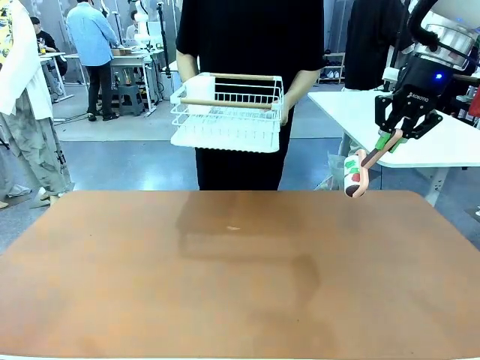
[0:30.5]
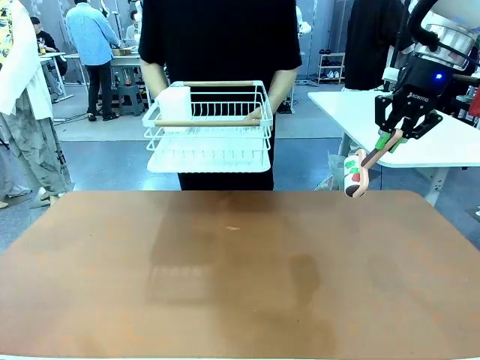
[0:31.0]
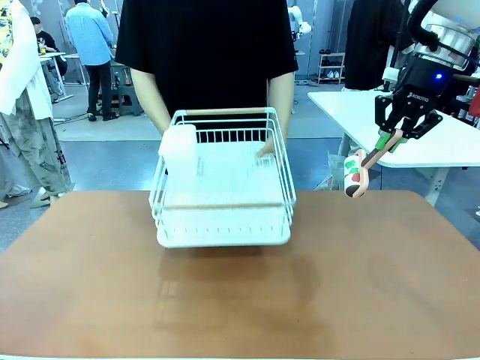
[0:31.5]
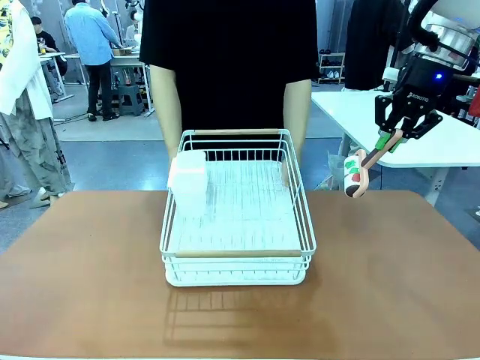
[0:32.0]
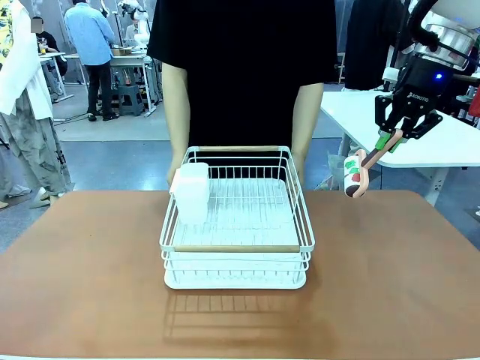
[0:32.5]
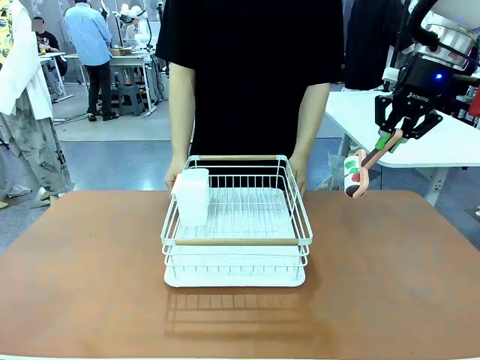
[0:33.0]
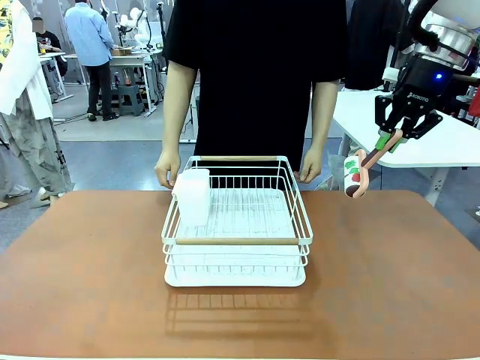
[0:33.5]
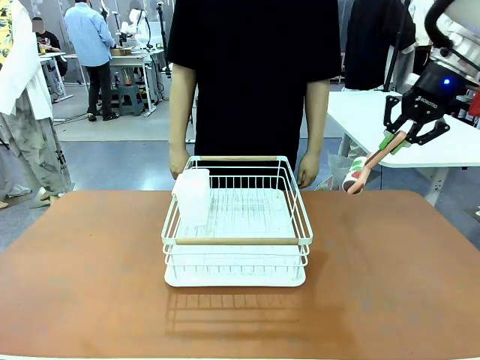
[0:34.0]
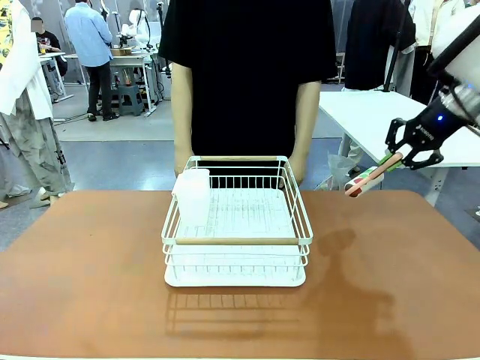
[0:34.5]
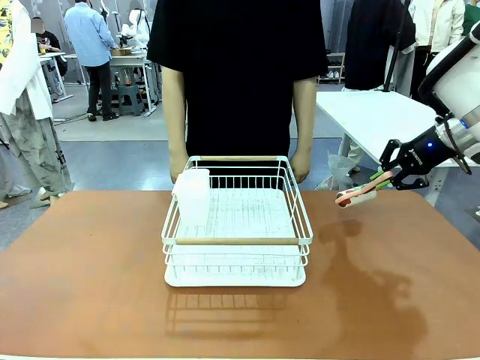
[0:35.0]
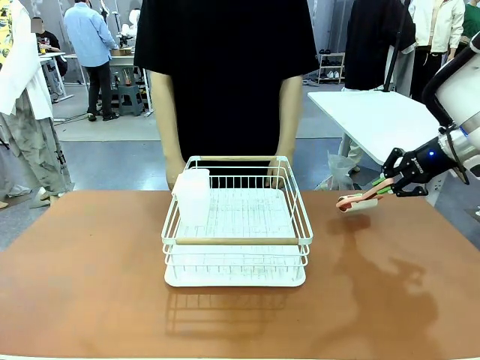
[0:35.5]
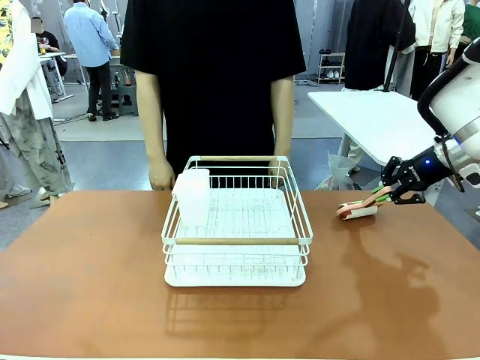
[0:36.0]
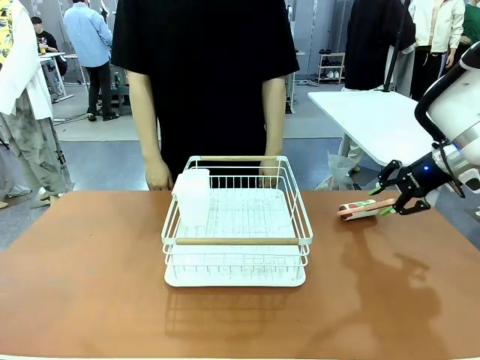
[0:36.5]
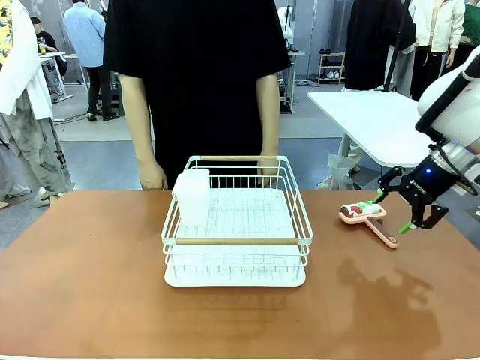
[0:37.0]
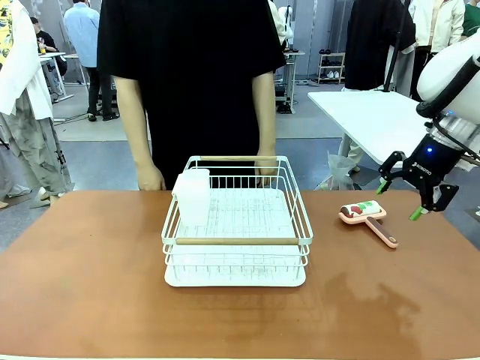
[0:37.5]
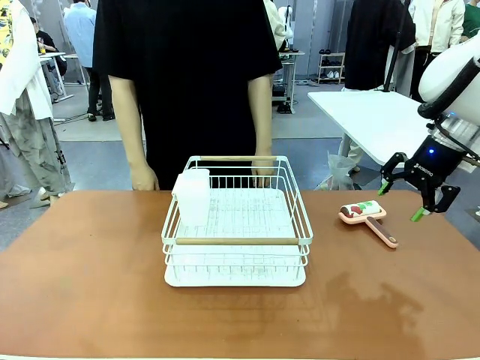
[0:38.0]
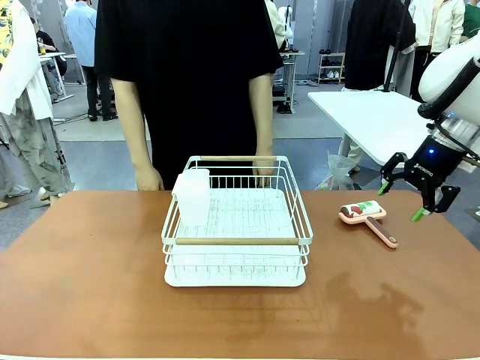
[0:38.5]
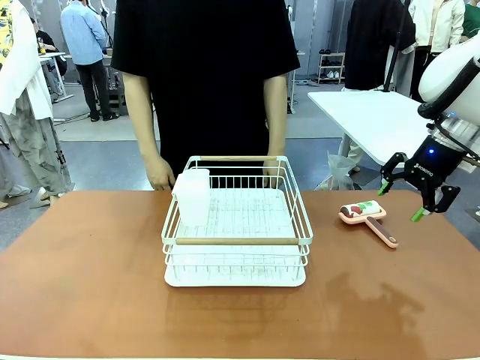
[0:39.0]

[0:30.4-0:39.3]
Task: Clean the table.
Robot: Place the Lint Roller down when the Dish drying rack is positioned in the middle of the table.

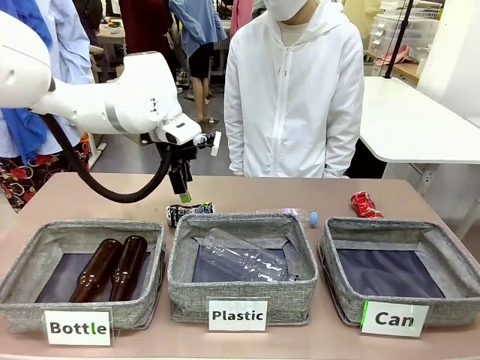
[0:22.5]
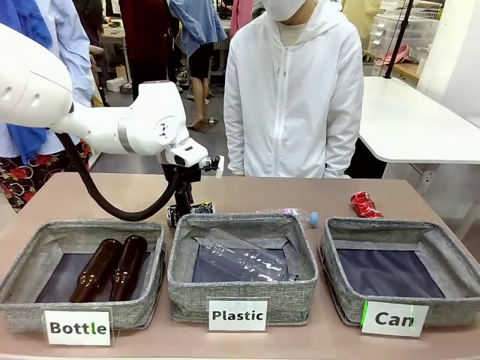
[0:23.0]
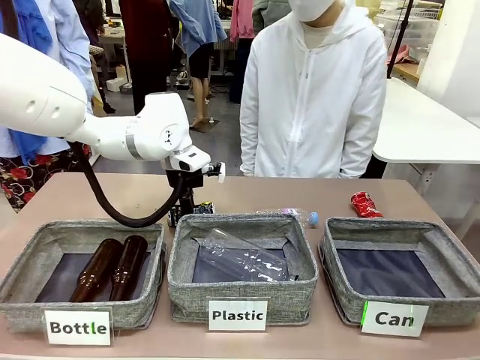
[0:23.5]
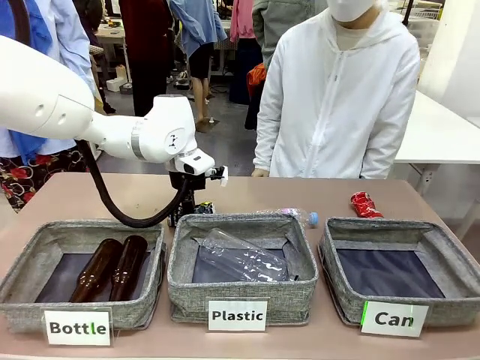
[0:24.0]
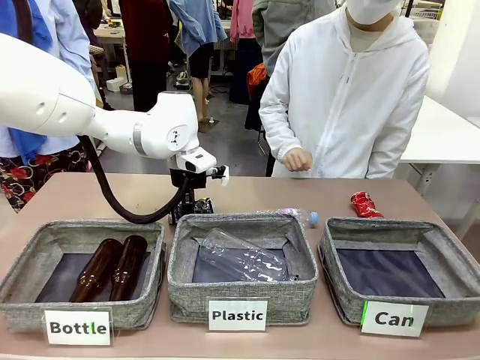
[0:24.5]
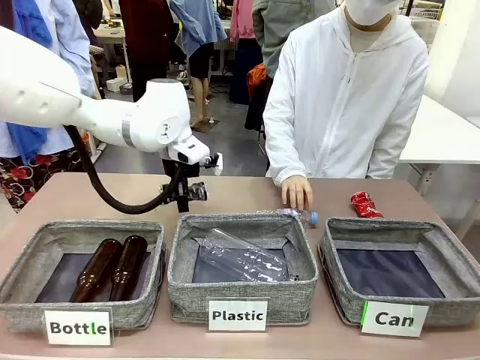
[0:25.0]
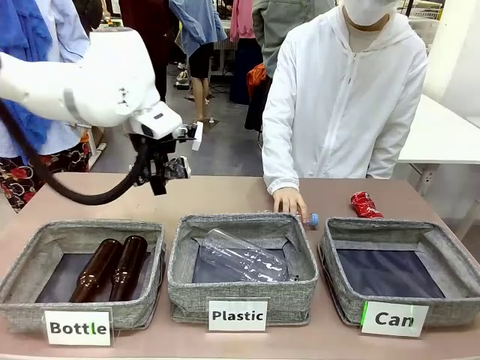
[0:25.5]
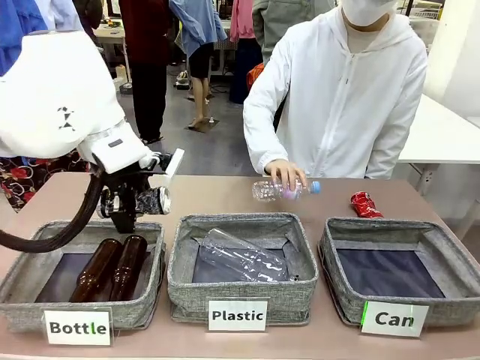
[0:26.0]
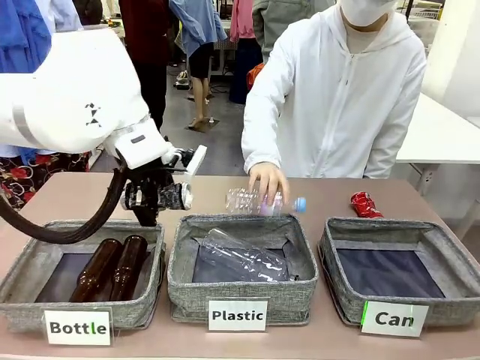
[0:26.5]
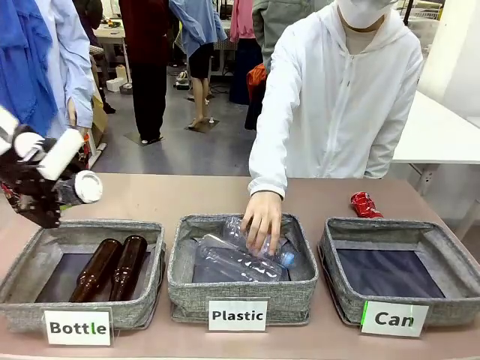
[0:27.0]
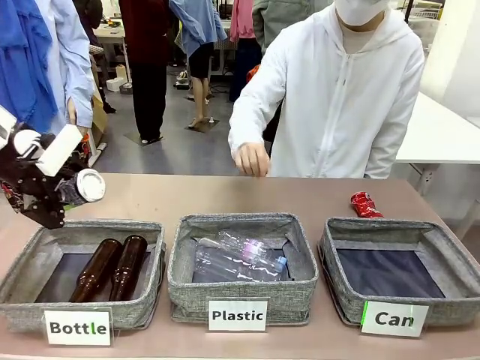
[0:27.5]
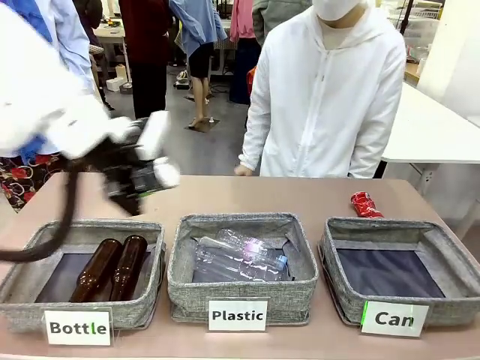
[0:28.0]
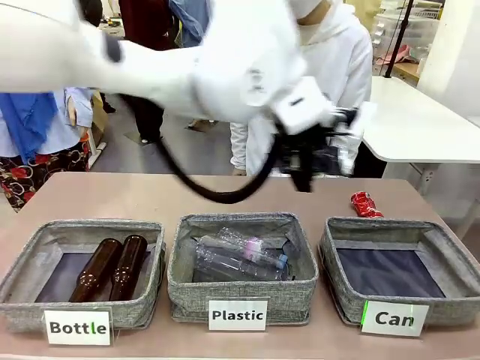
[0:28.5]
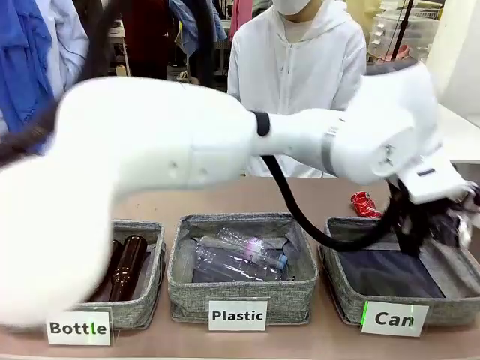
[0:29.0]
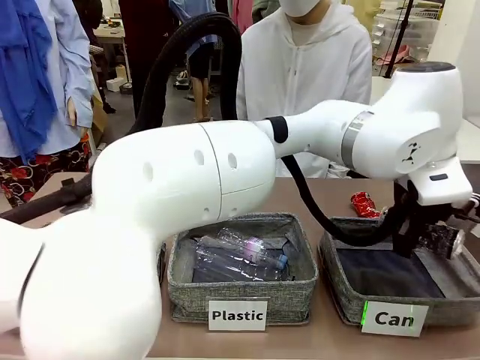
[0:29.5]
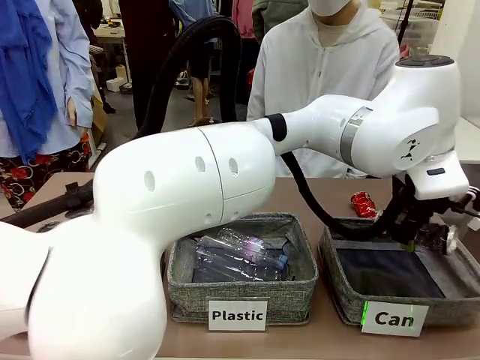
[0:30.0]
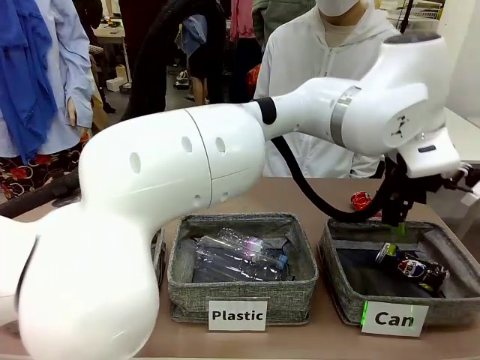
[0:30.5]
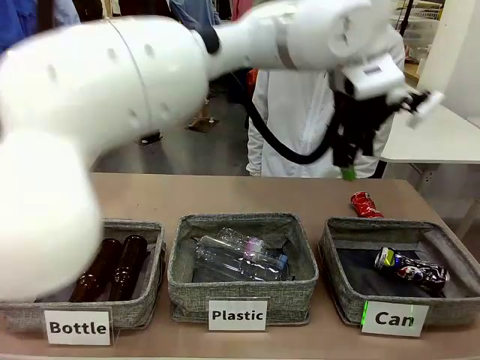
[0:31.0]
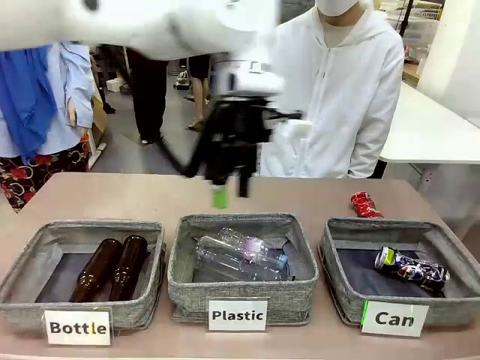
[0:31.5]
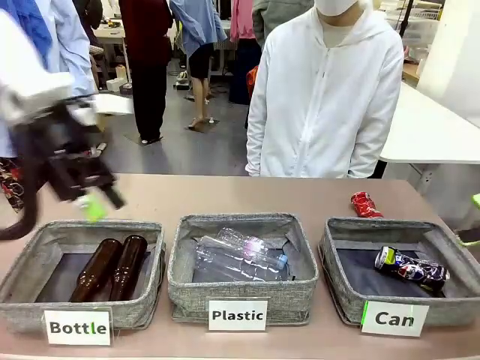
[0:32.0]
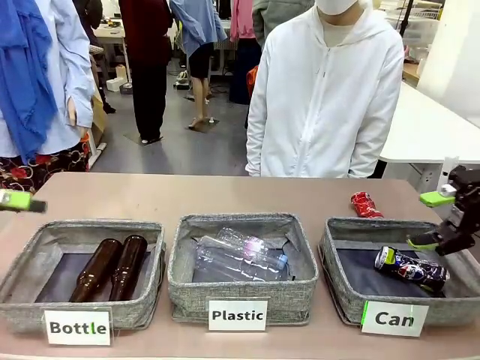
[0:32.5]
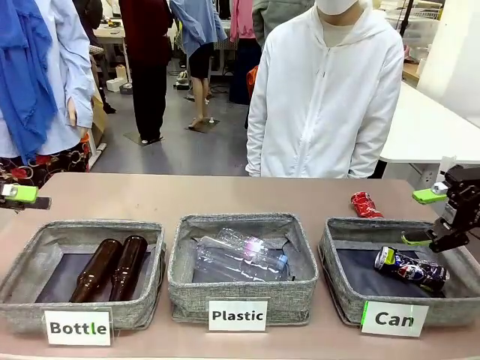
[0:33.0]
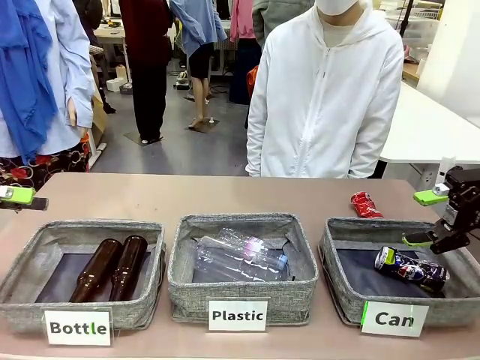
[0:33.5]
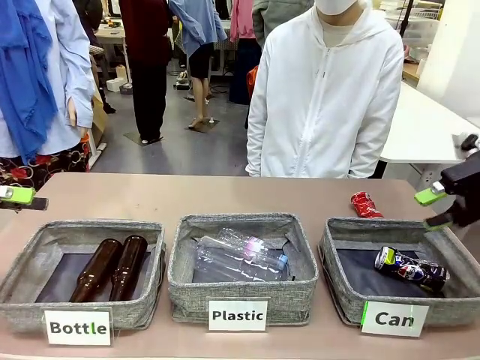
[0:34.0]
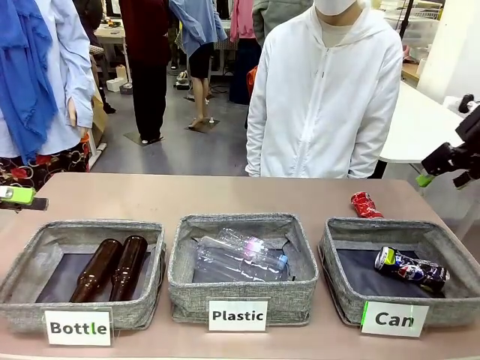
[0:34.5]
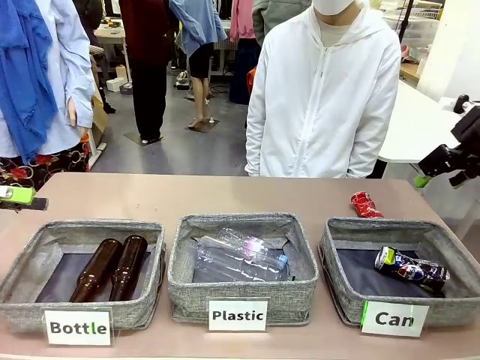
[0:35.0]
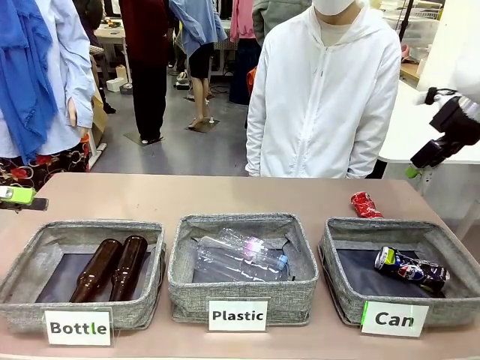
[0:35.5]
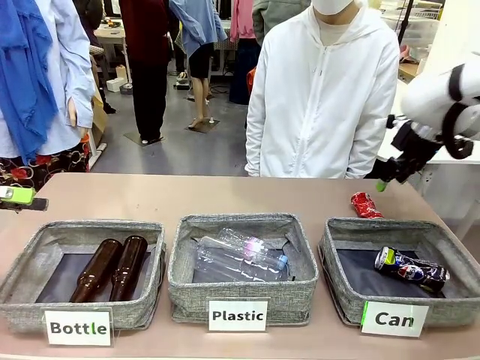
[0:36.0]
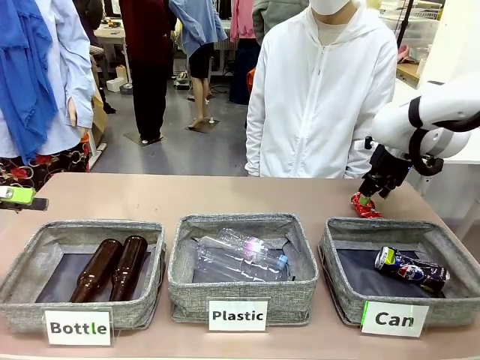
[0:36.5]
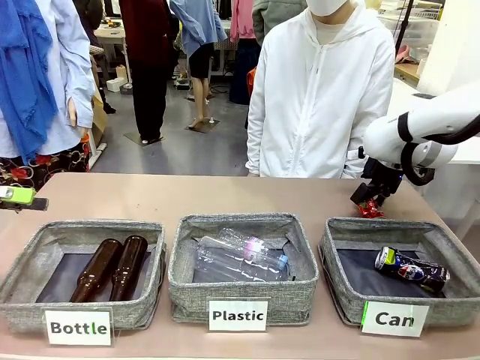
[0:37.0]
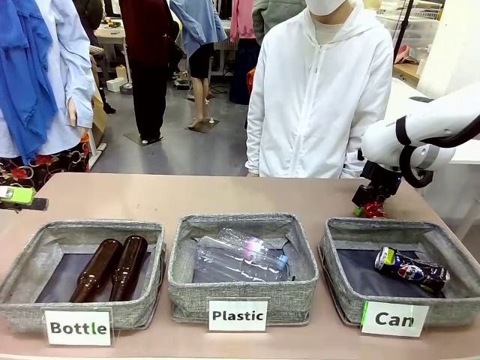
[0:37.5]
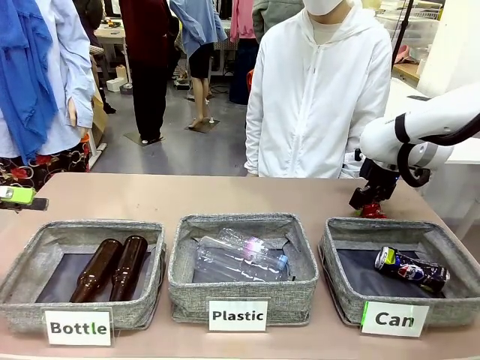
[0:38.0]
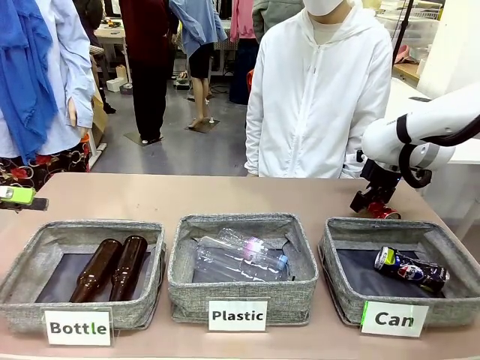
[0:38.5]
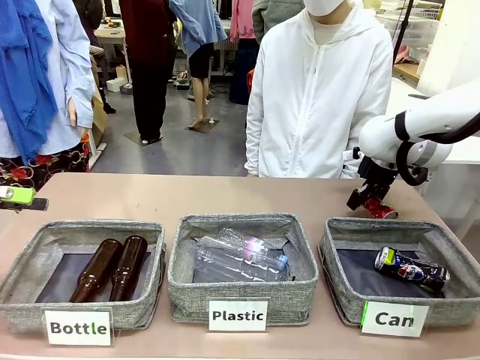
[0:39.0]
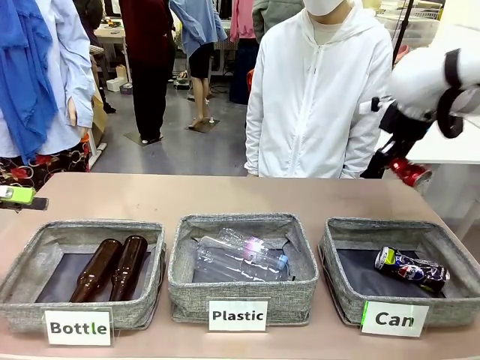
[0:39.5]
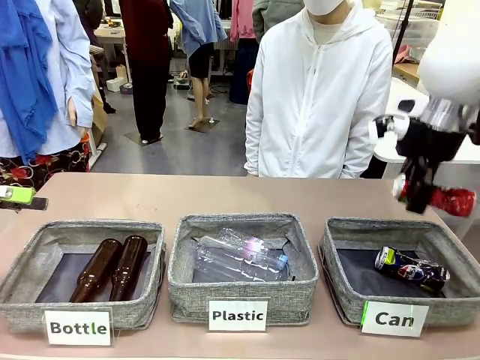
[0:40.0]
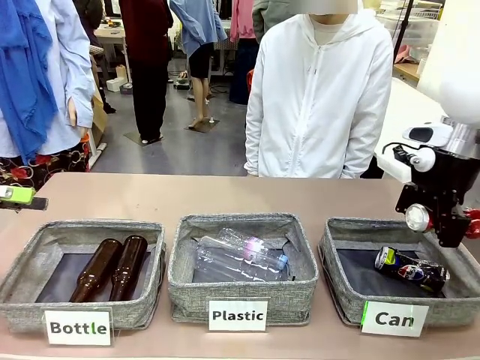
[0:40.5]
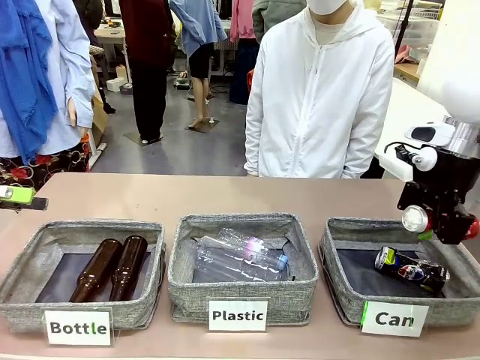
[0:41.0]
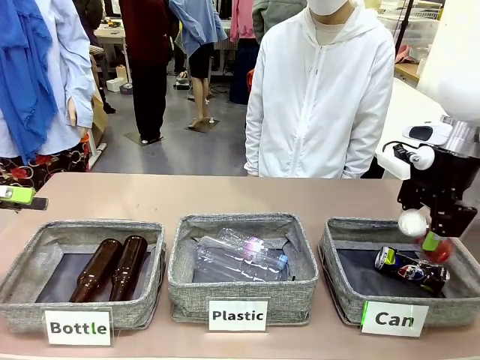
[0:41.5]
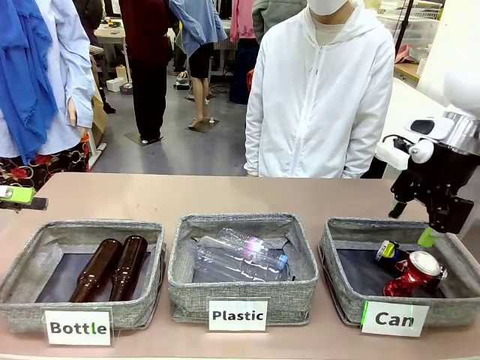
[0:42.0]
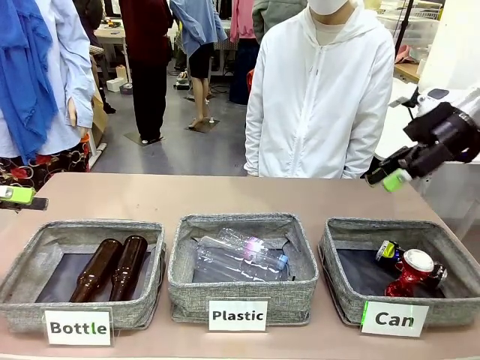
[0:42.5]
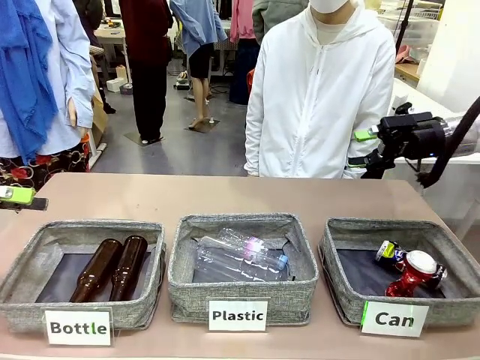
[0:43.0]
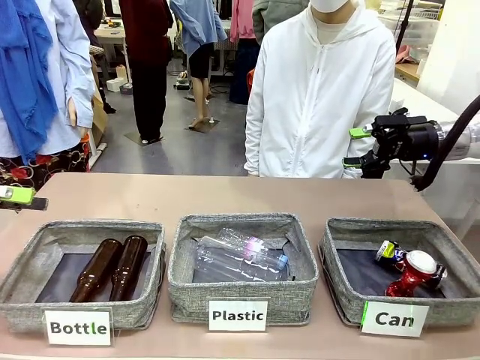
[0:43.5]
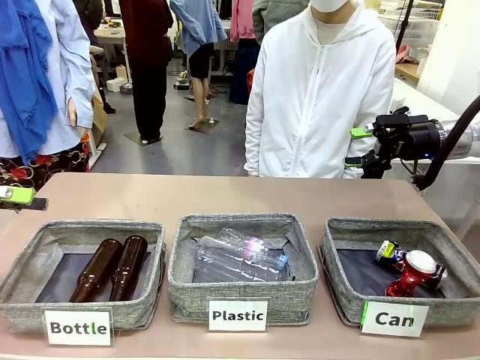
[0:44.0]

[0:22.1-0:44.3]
Task: Sort the can waste into the basket.
Robot: Pick up the can waste from the table and place it in the right Fabric basket.
Person: The human picks up one piece of trash that is not a can and places the trash into the appropriate organizing basket.
